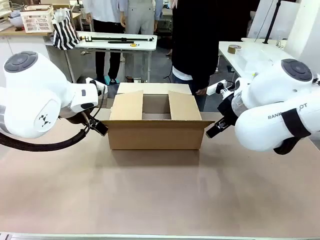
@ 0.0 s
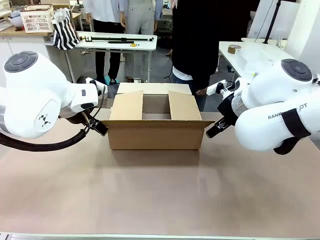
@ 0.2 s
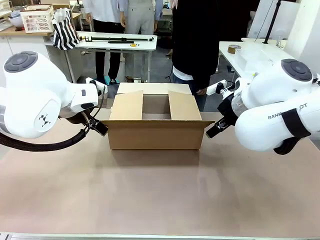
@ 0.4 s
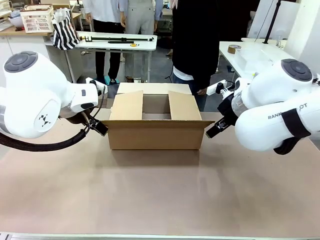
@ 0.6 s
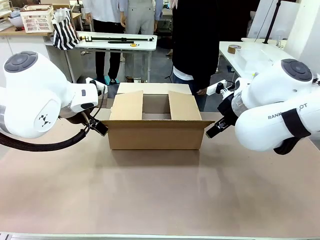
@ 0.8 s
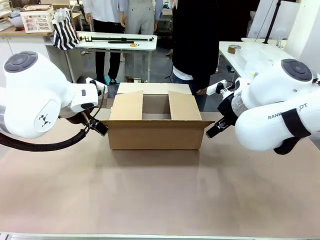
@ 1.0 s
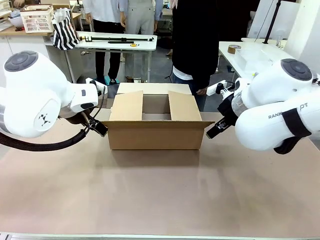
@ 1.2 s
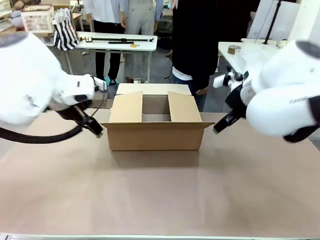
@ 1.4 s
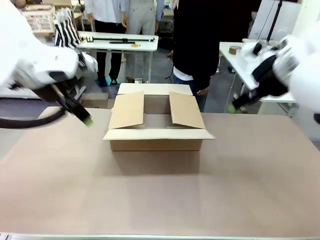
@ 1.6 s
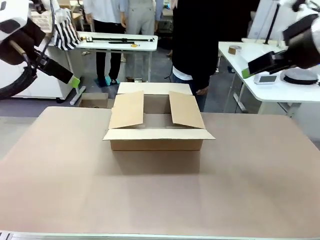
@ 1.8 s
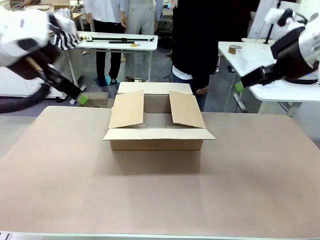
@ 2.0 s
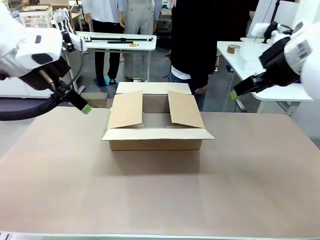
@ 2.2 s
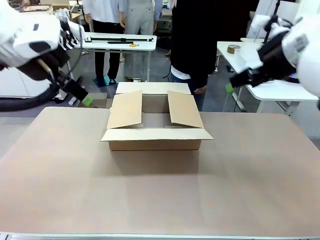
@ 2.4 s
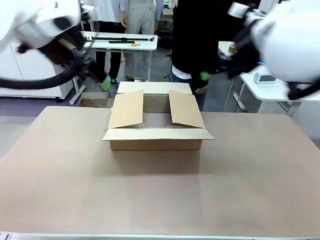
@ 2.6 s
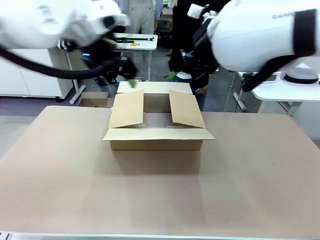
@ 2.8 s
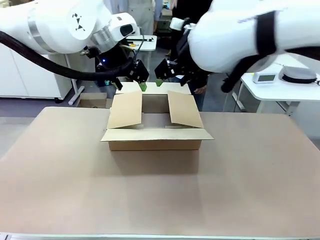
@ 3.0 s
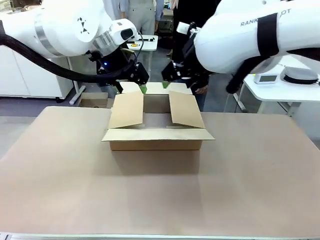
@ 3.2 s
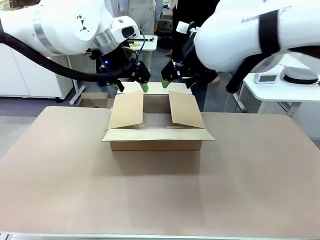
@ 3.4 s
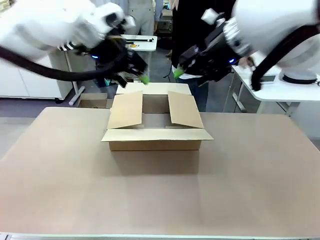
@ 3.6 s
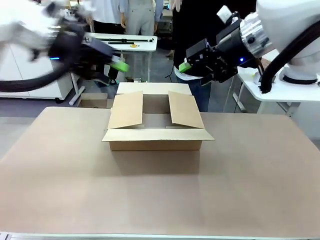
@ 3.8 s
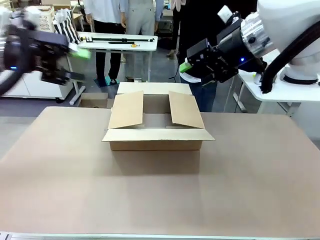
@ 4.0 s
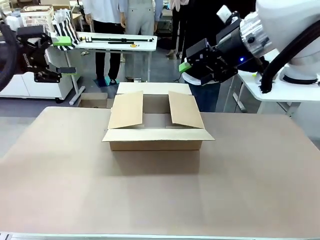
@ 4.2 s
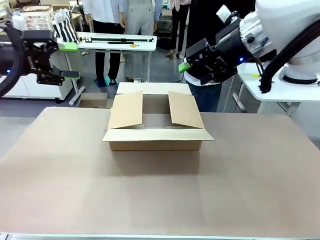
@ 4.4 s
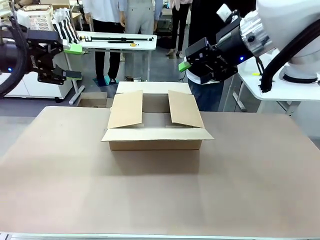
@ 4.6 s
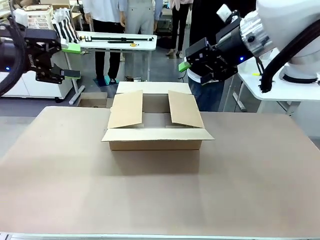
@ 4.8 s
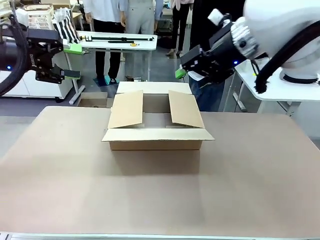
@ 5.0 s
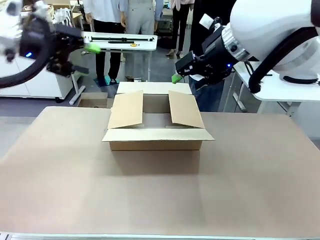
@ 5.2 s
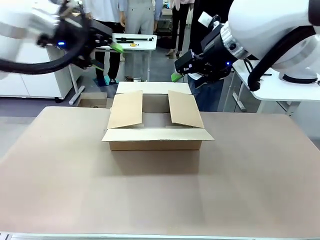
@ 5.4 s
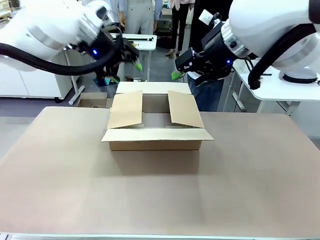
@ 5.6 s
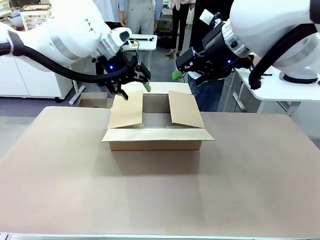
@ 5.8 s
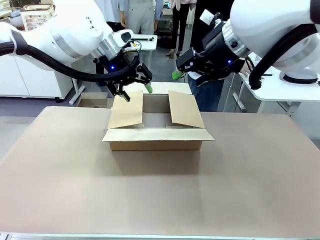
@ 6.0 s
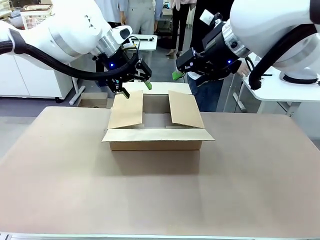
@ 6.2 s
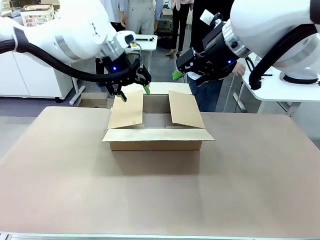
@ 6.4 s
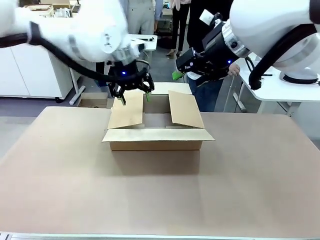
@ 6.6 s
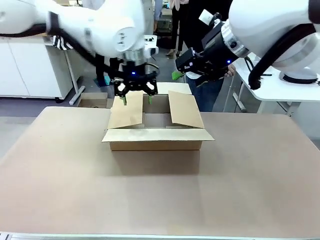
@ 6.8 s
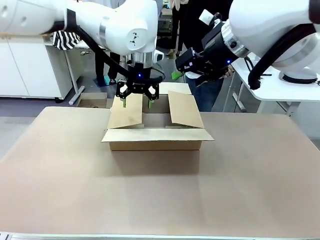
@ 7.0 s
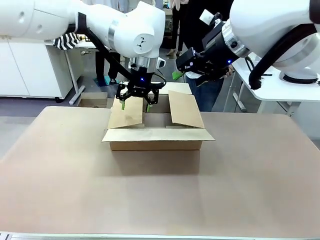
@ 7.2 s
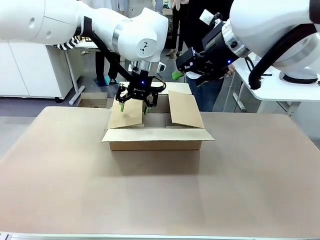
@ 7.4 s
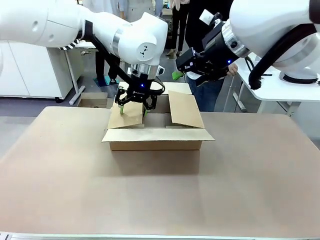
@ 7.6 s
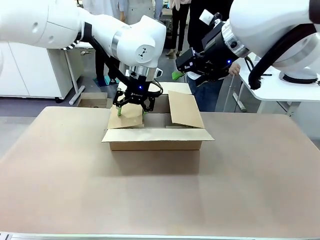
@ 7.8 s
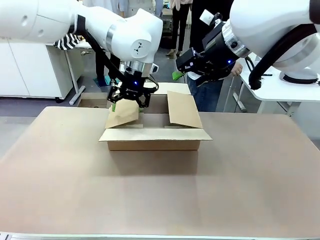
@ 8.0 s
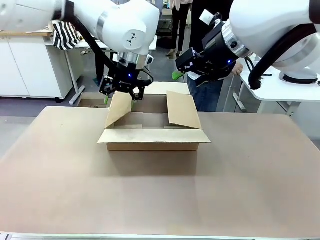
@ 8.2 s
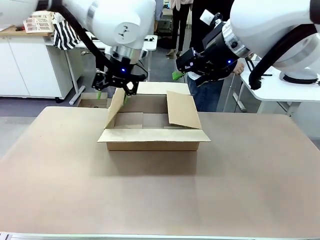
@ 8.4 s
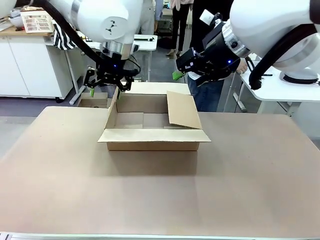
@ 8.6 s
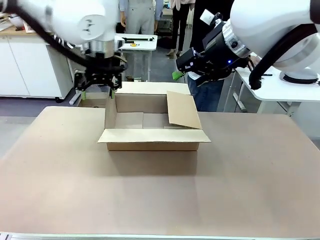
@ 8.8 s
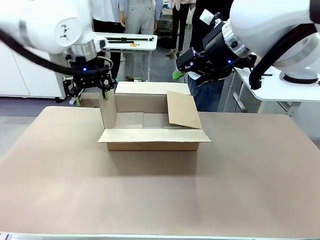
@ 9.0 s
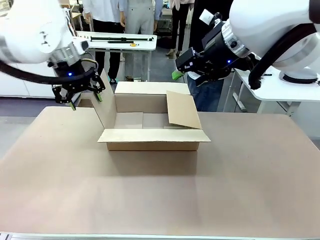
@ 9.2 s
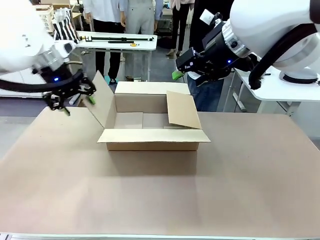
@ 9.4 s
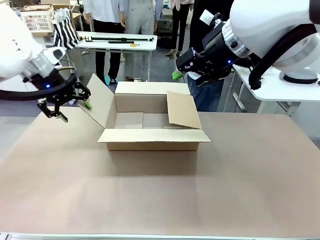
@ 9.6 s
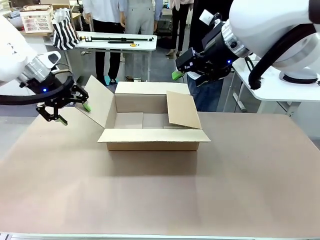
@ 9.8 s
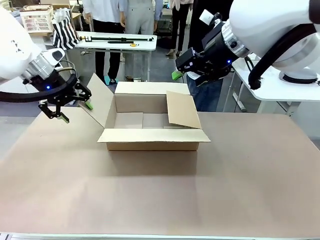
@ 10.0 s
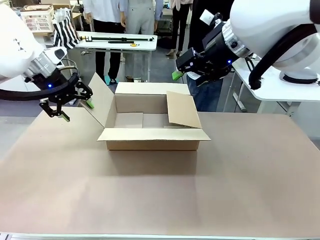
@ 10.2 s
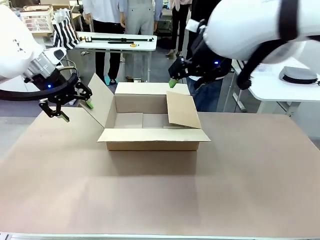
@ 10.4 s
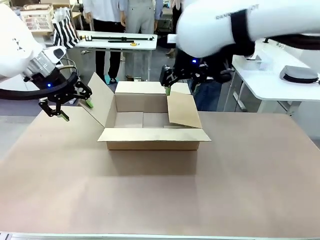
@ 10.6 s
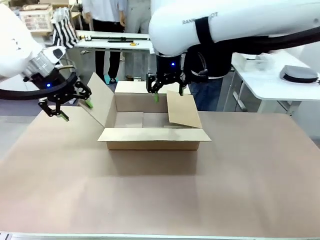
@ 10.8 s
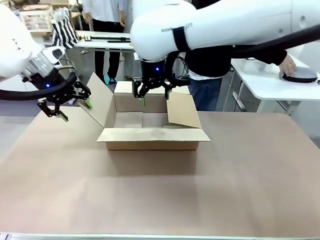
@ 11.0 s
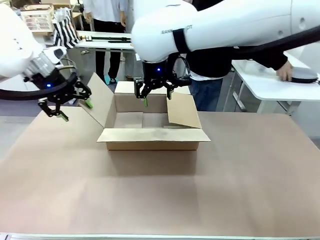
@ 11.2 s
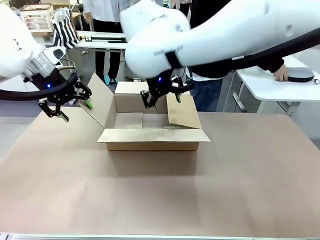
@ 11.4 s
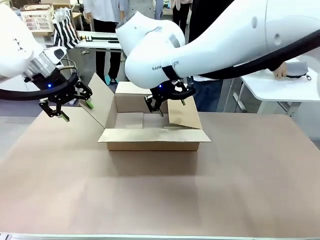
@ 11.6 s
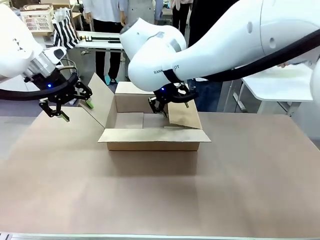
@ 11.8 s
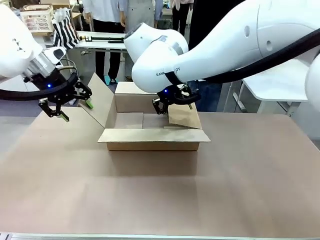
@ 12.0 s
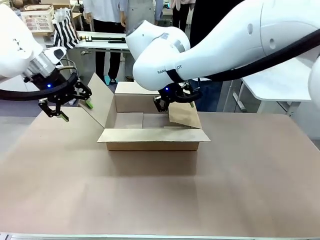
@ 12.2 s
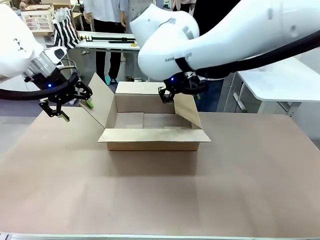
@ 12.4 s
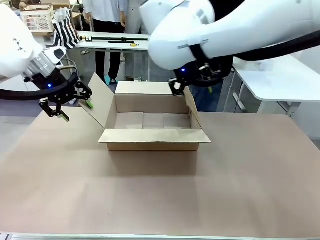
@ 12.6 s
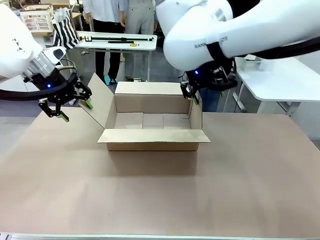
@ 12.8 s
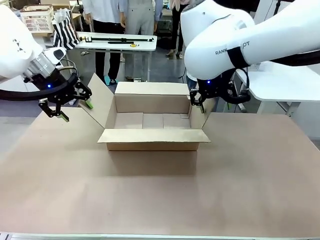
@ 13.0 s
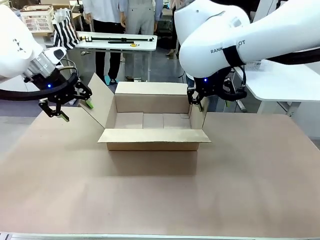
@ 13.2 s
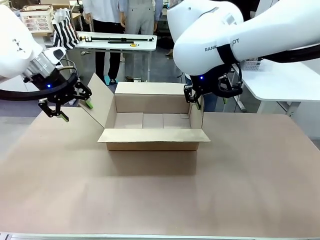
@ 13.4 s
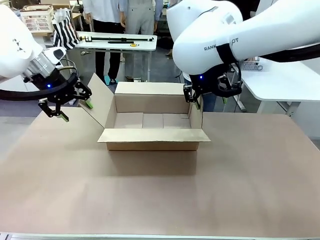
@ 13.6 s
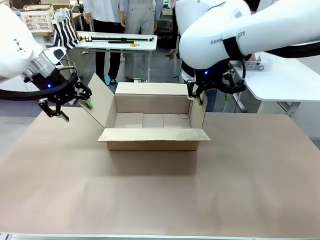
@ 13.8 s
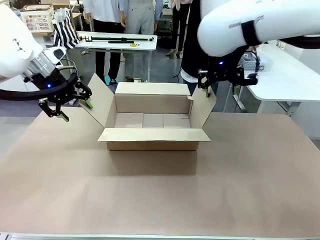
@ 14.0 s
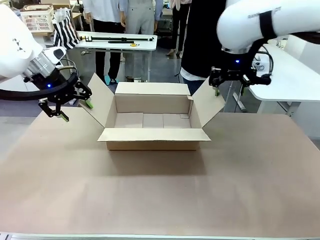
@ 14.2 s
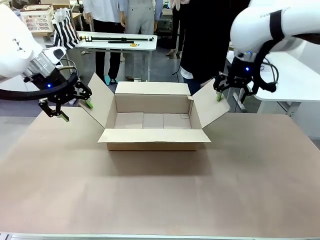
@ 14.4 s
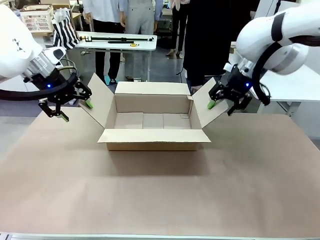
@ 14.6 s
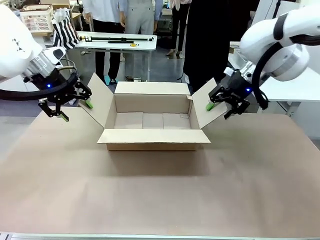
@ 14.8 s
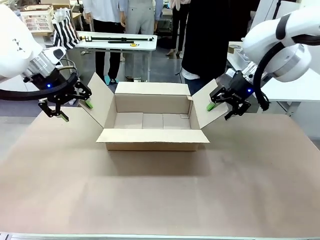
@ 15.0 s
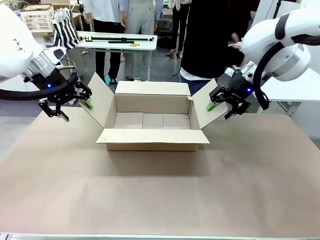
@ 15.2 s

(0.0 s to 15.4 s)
Task: Pack the gift set into the box.
Robot: Place both hands on the side flaps of the Package Box and spread them outward.
Person: The human places all items except the paper tape into the organizing basket.

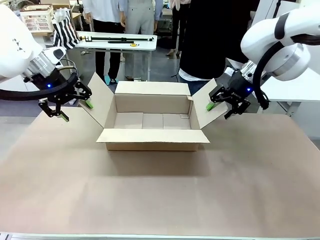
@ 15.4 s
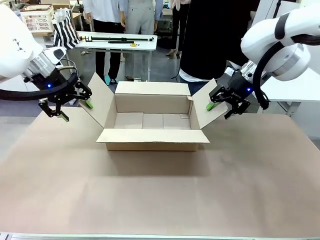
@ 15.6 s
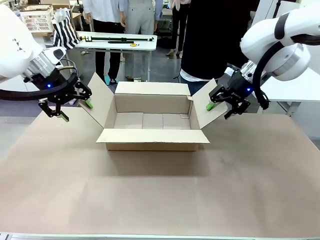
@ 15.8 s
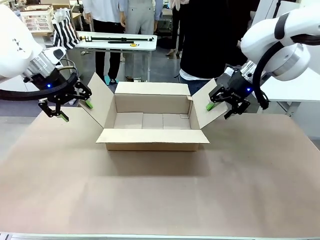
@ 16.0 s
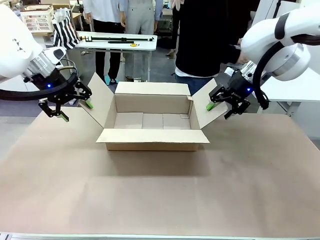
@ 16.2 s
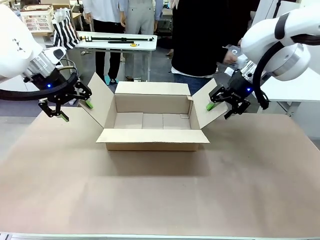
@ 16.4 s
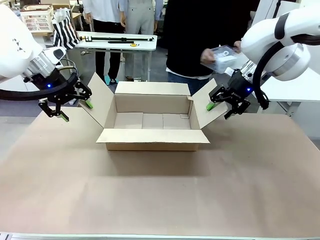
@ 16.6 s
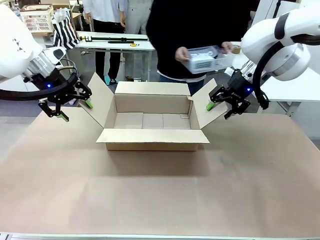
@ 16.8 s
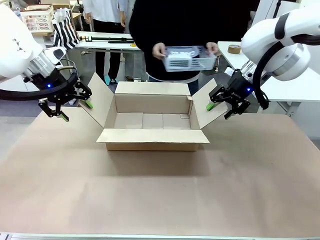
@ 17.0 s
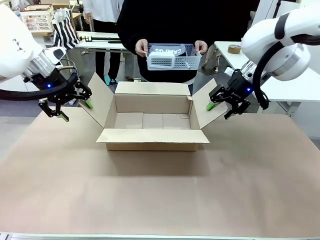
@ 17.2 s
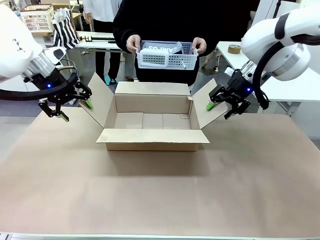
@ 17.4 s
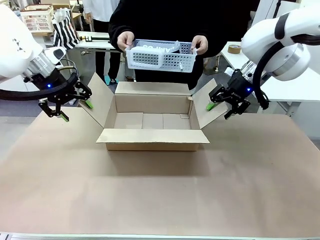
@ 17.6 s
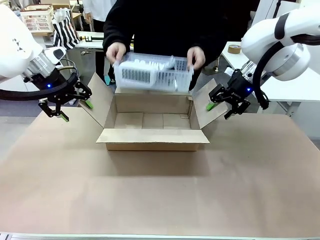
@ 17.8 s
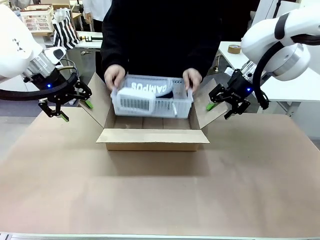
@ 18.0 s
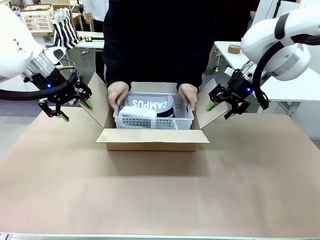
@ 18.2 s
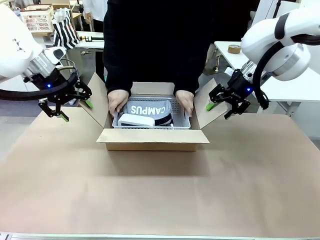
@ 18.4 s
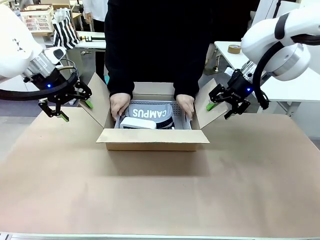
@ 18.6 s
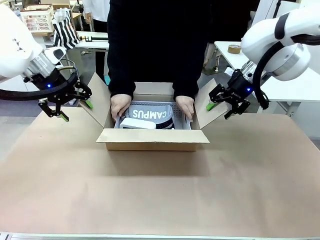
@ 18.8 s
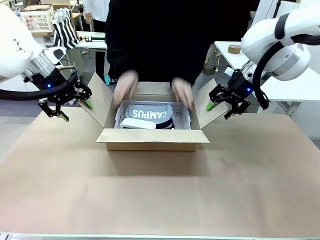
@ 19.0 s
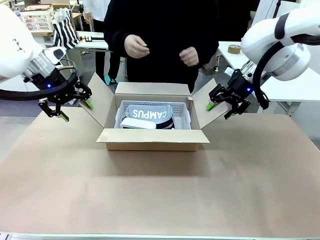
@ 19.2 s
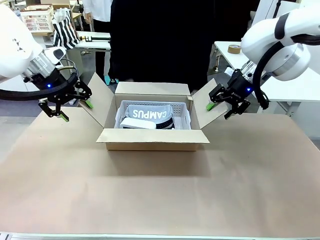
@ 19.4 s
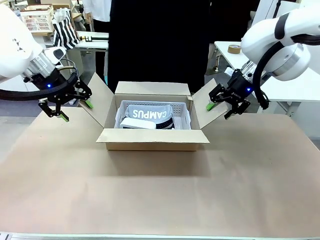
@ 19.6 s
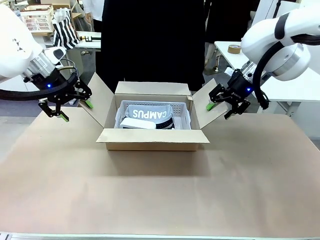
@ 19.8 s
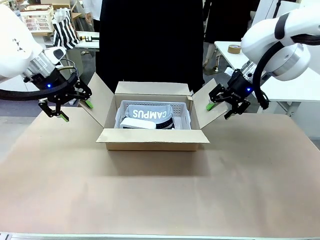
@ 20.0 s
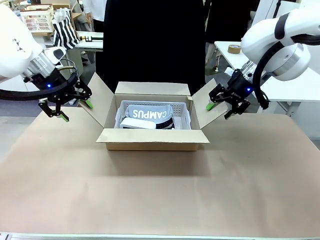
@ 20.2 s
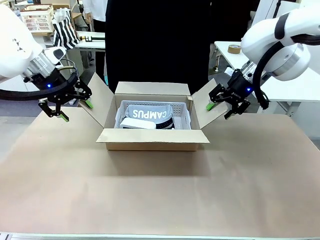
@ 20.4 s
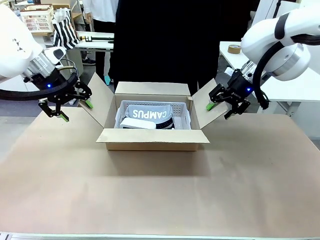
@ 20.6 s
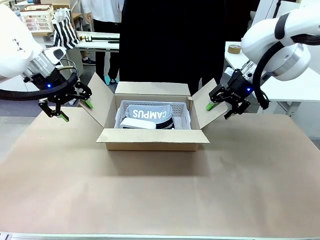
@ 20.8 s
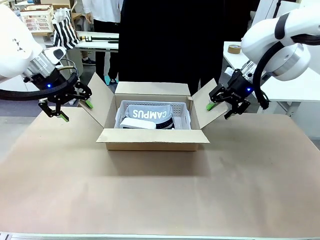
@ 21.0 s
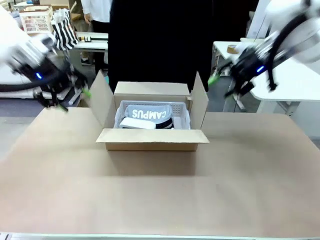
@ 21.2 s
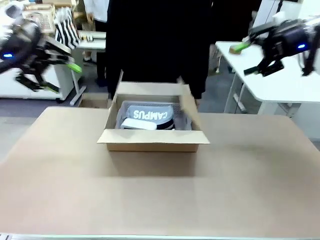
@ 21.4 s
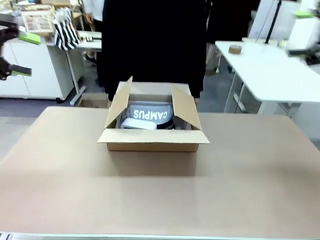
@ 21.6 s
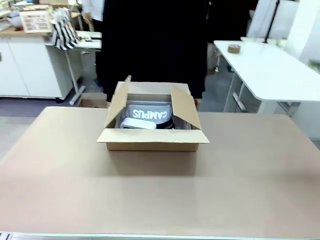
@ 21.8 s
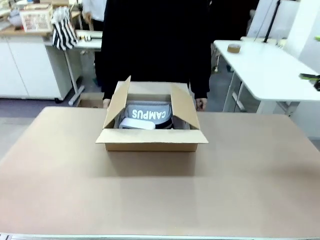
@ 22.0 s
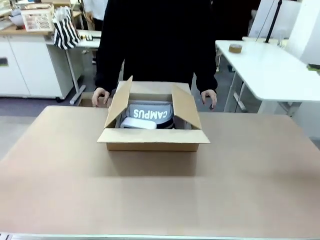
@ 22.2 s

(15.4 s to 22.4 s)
Robot: Lift both hands away from the flaps of the Package Box.
Person: The human picks up the organizing basket and places the organizing basket into the package box on the robot table.
